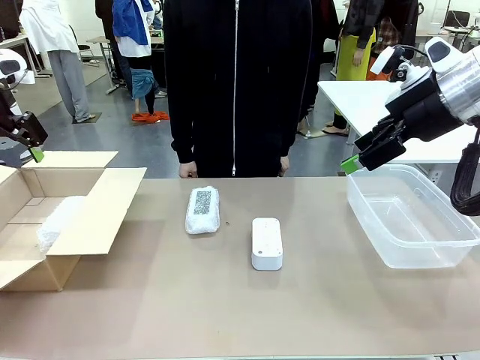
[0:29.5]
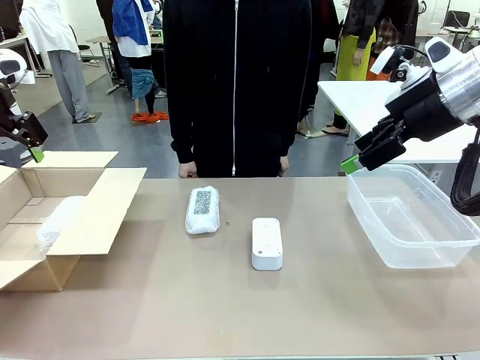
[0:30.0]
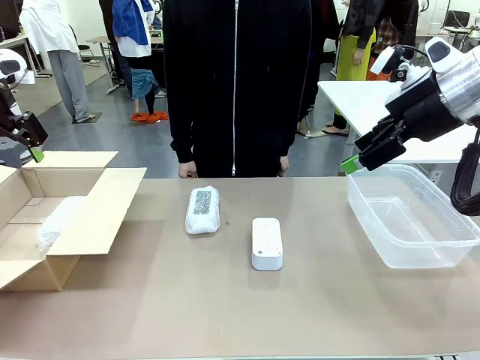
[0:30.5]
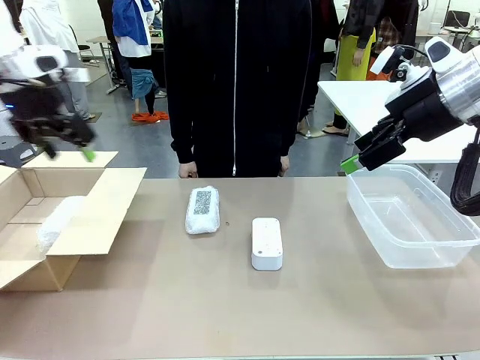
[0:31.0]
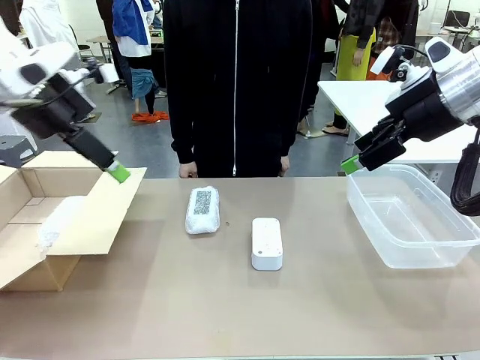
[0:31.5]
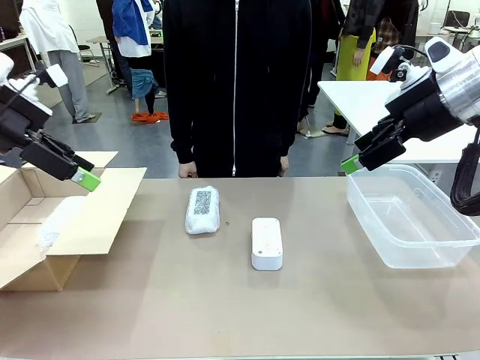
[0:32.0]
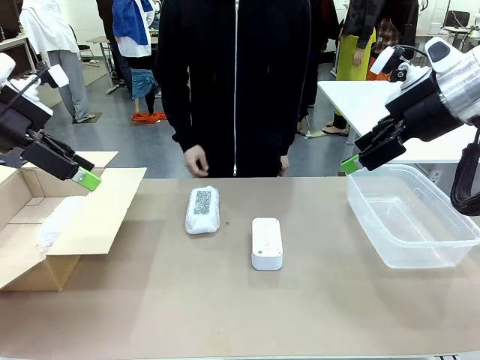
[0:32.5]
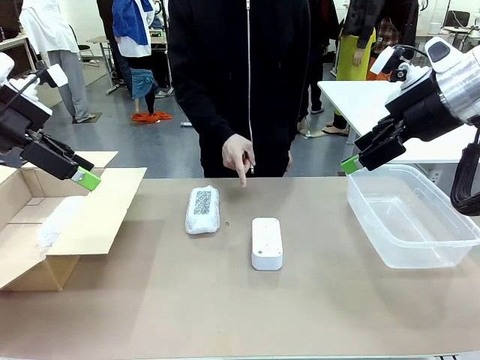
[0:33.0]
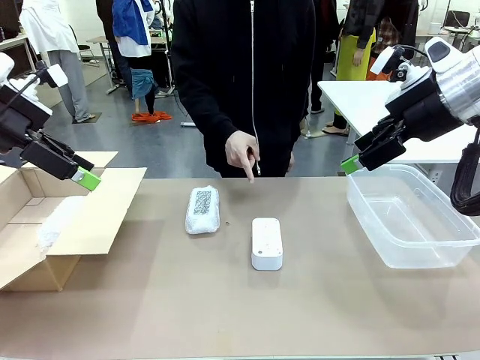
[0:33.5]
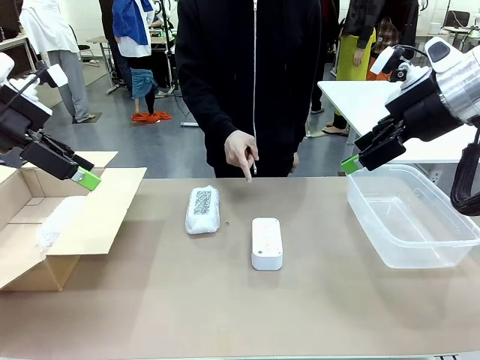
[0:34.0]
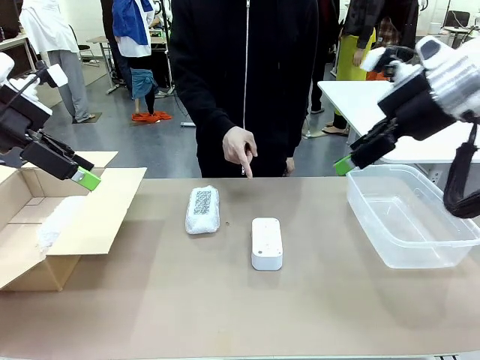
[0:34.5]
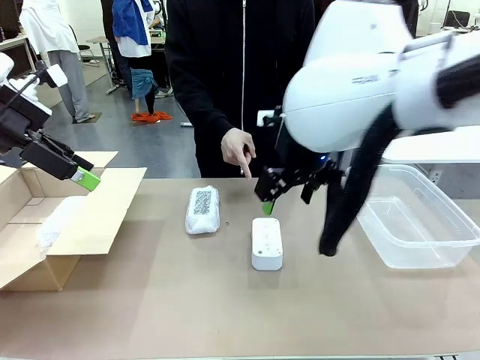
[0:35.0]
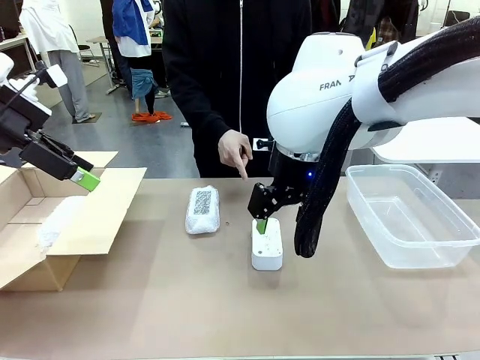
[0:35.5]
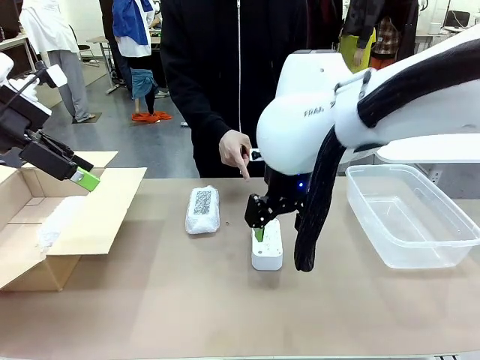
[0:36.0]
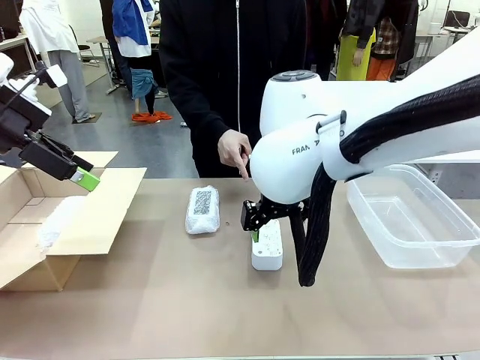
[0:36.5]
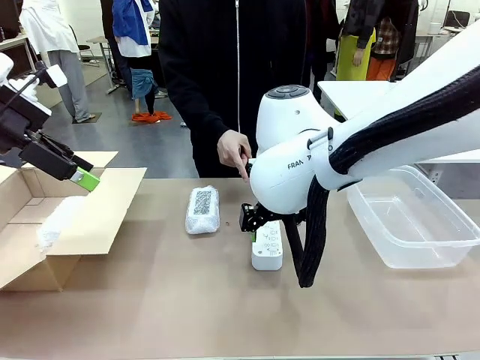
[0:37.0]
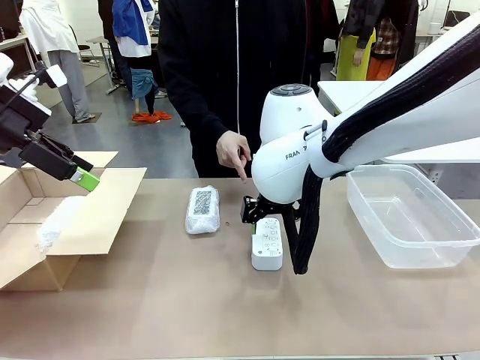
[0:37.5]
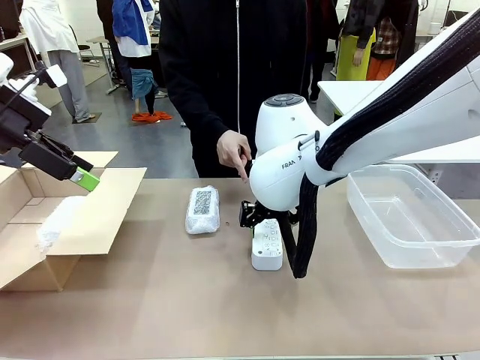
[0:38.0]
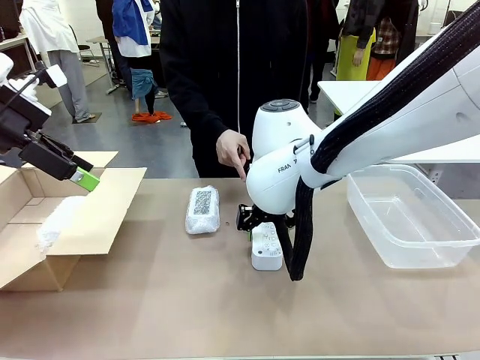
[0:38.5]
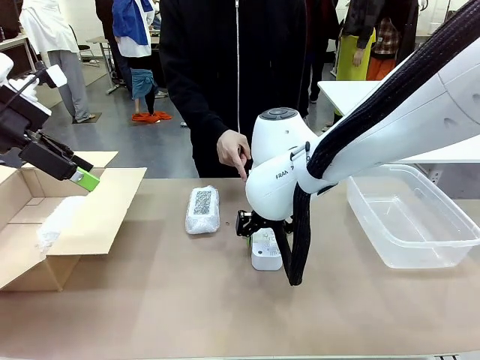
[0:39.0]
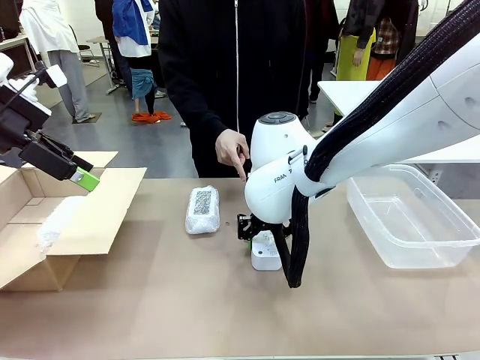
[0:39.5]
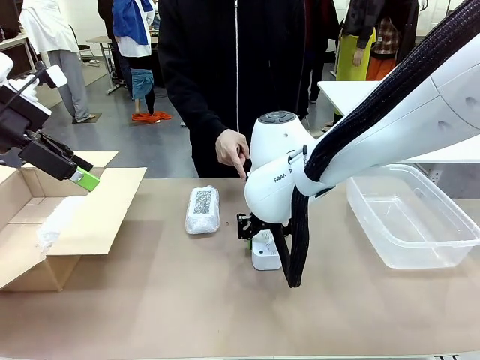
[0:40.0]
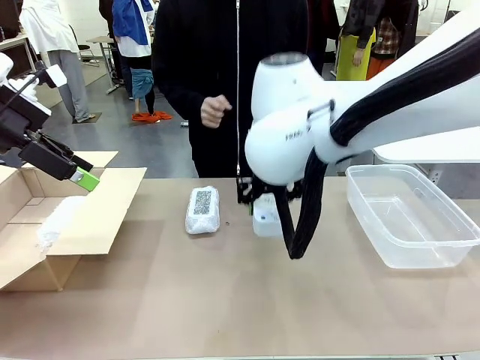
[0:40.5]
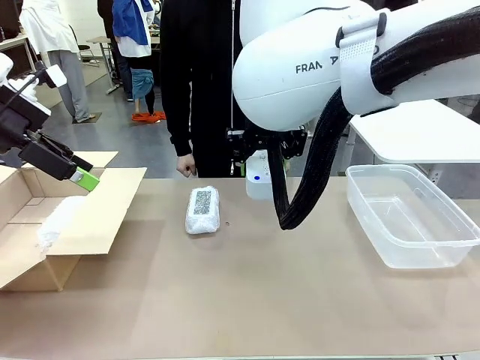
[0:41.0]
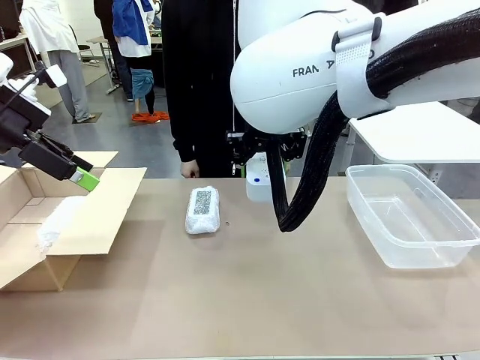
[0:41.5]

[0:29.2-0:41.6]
Task: Separate and place wrapped and unwrapped clocks.
Robot: Pick up the Digital clock indicated by the person.

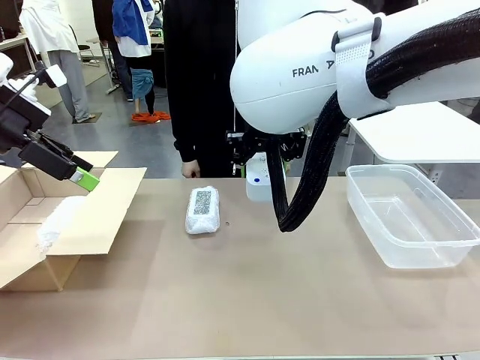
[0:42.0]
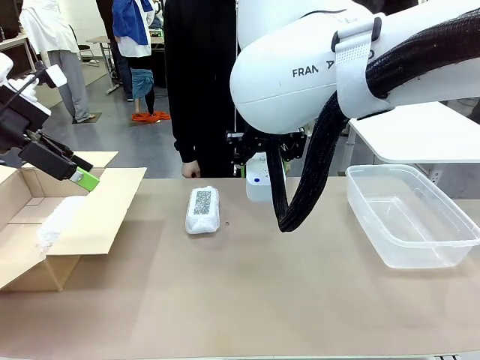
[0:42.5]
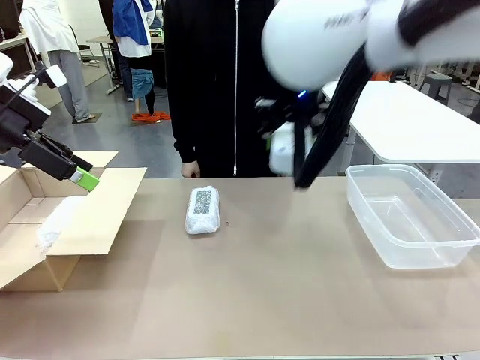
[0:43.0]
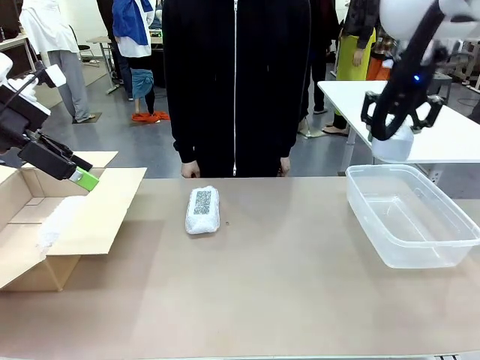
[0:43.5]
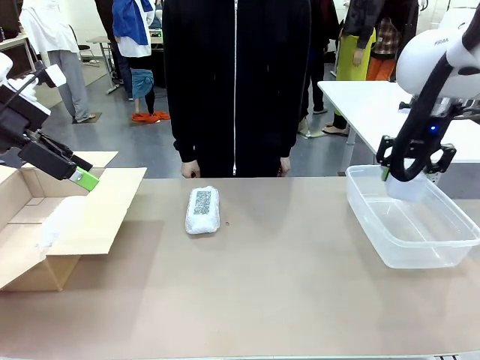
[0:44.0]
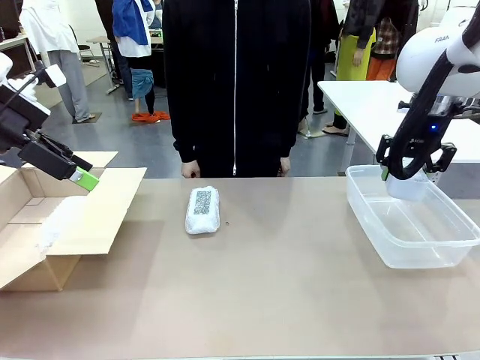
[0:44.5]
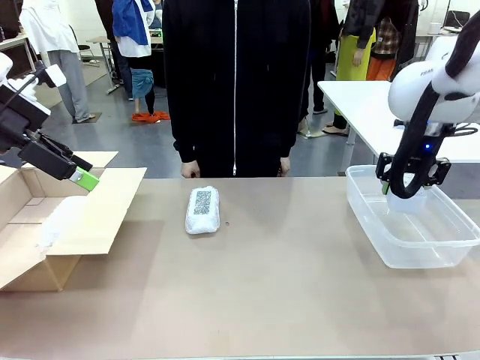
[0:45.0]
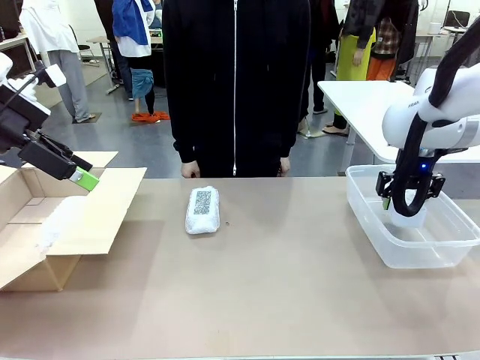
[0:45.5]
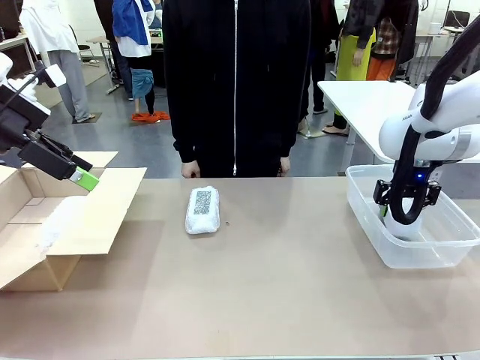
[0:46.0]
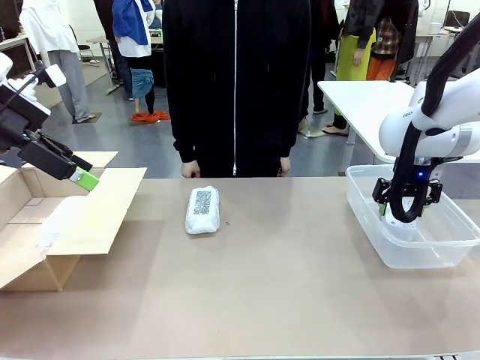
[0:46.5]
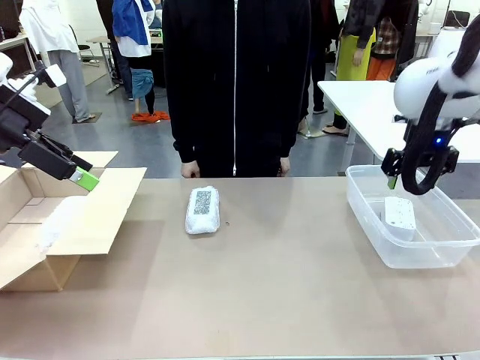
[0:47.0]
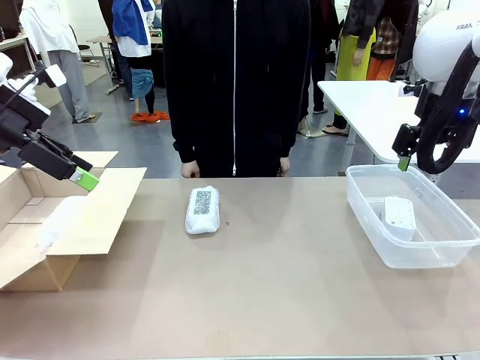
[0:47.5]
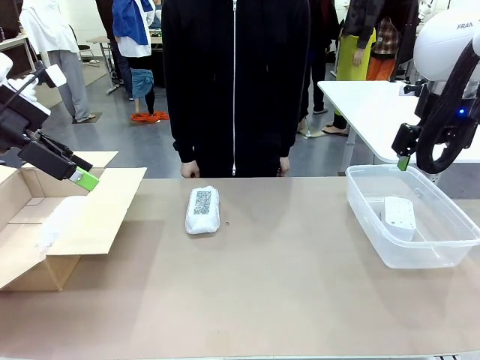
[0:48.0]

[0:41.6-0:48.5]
Robot: If the picked Digital clock is wrapped, place it in the Package Box ; if not, place it in the Organizing box.

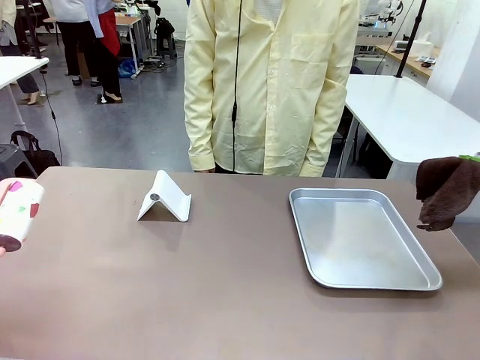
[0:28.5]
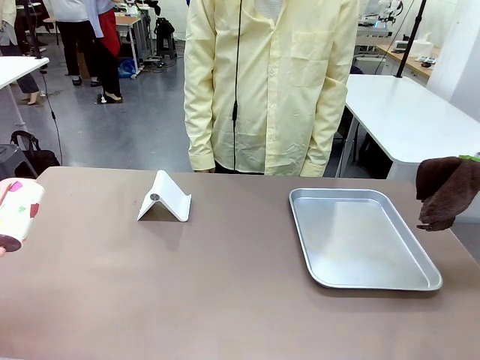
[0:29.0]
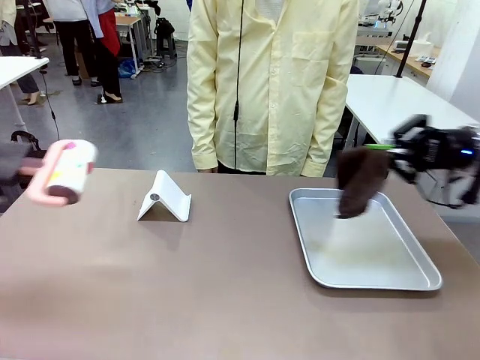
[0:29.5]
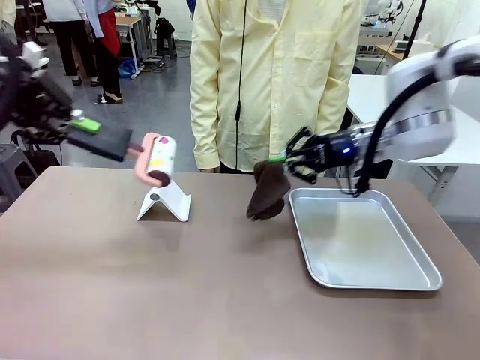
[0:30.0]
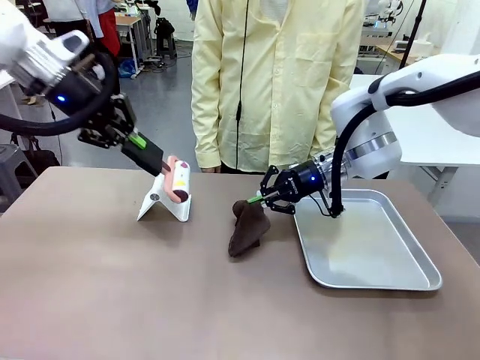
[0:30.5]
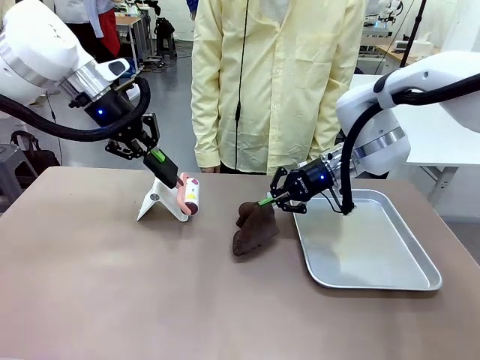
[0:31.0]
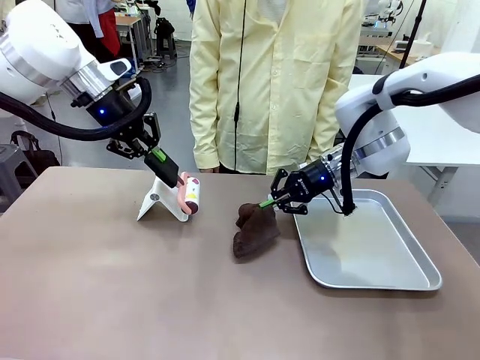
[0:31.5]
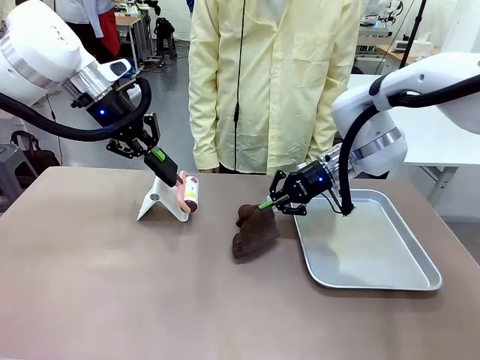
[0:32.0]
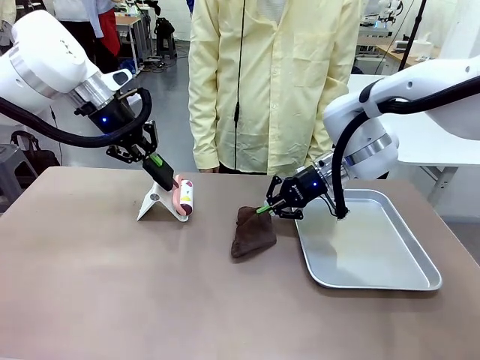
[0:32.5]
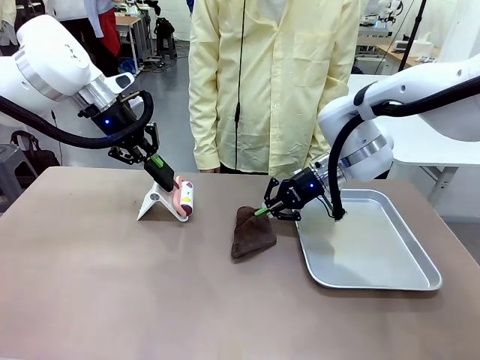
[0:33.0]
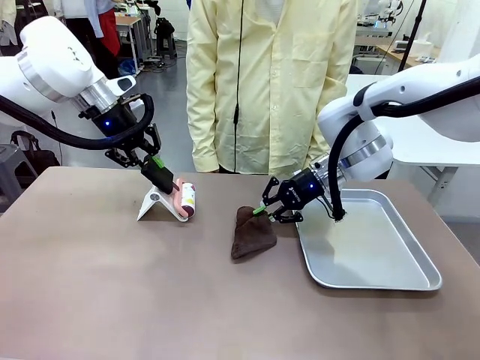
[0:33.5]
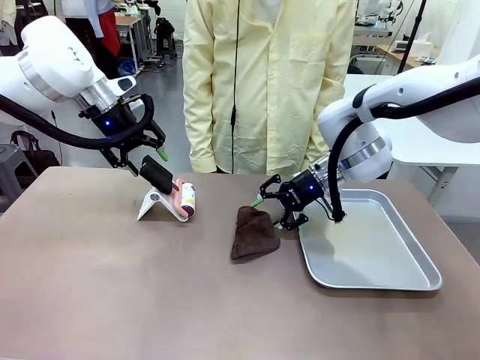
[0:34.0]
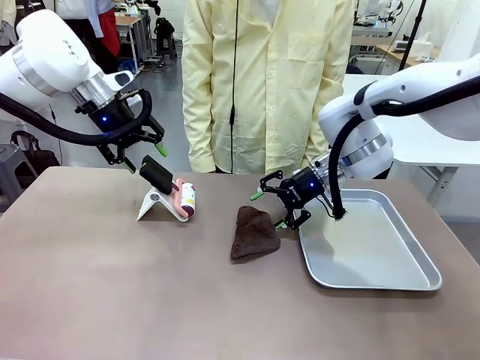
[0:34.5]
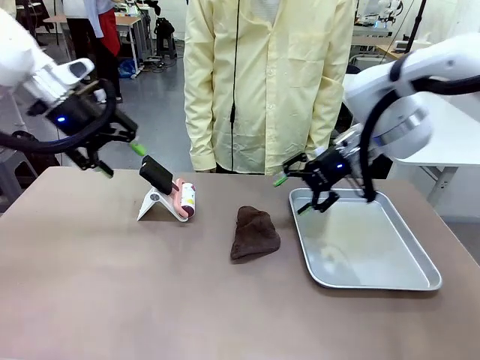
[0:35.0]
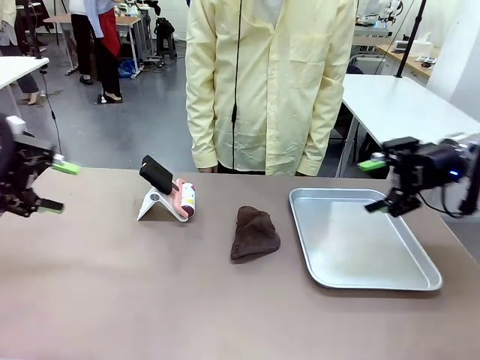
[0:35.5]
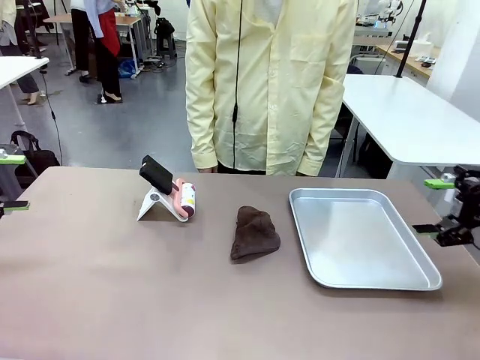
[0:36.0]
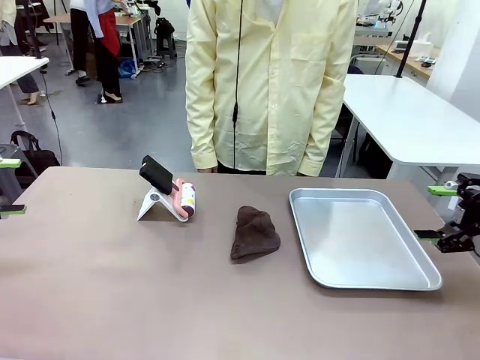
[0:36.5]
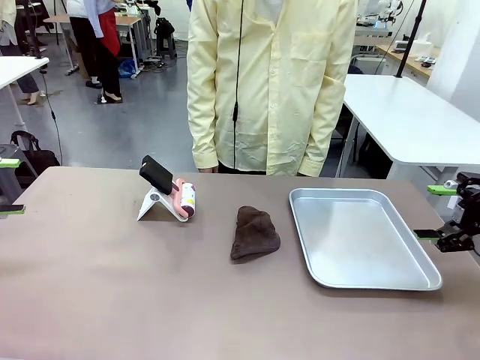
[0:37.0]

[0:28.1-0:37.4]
Task: Clean the surface of the table.
Robot: Return the Lint Roller and towel to their original positions.
